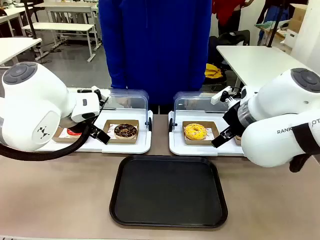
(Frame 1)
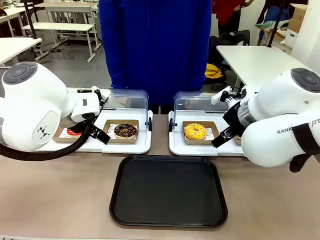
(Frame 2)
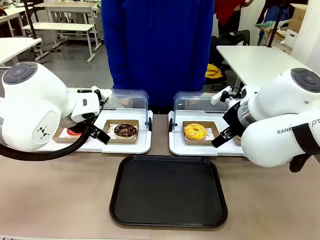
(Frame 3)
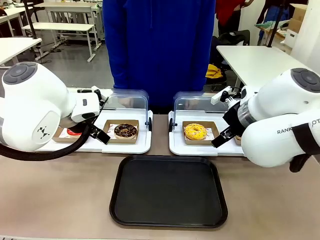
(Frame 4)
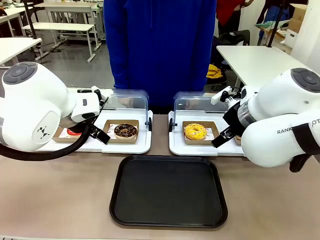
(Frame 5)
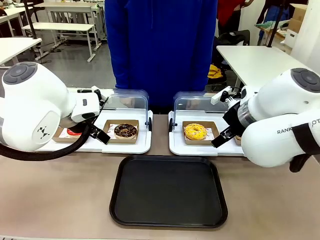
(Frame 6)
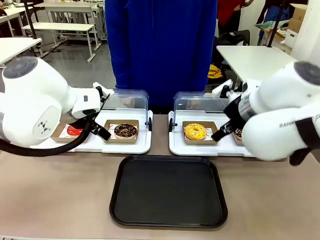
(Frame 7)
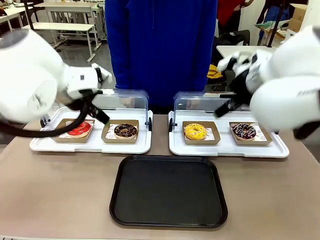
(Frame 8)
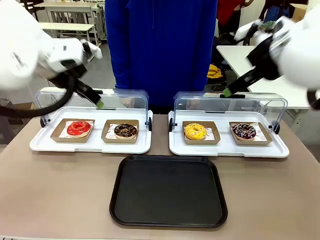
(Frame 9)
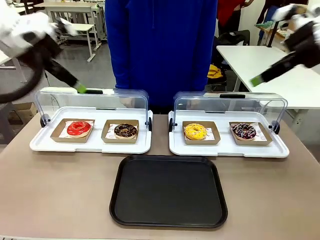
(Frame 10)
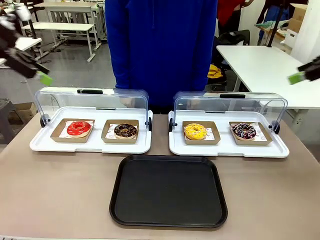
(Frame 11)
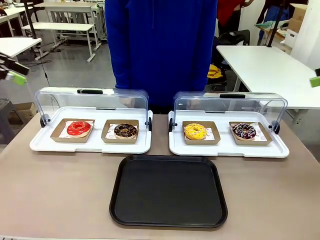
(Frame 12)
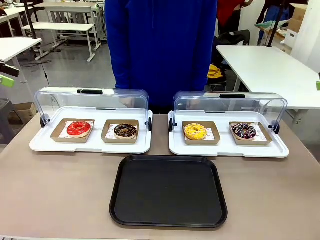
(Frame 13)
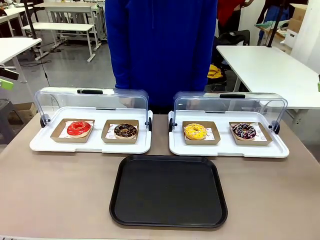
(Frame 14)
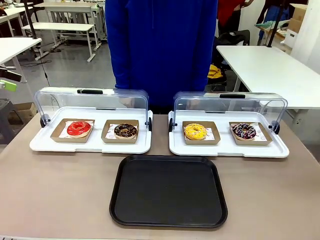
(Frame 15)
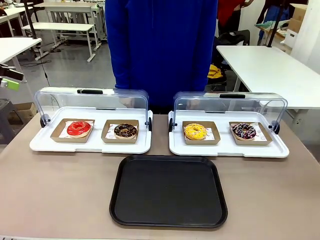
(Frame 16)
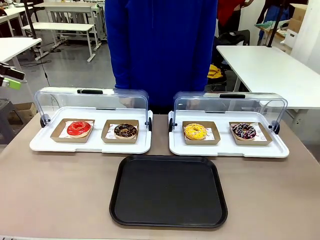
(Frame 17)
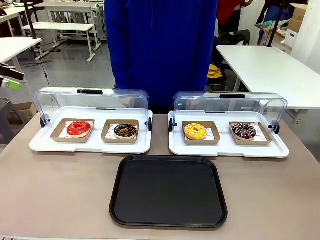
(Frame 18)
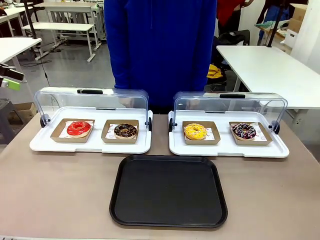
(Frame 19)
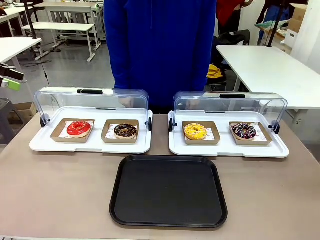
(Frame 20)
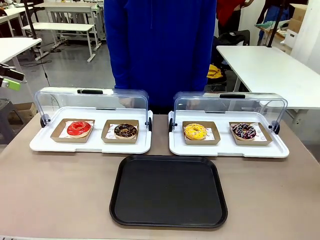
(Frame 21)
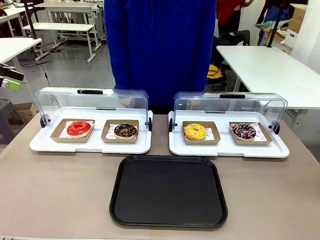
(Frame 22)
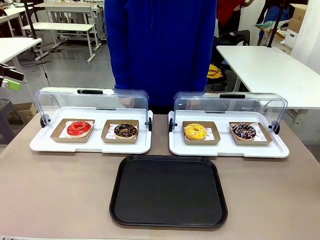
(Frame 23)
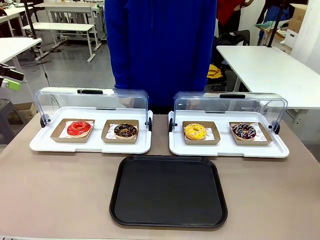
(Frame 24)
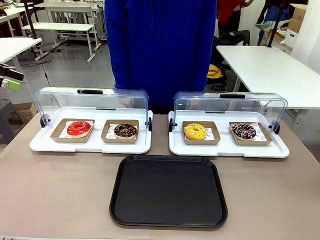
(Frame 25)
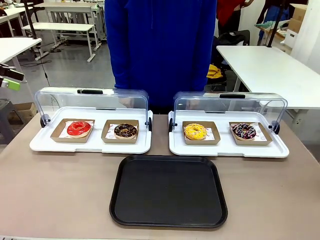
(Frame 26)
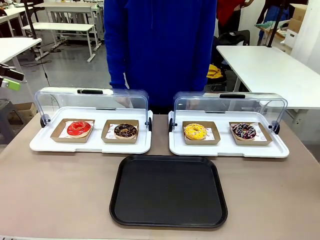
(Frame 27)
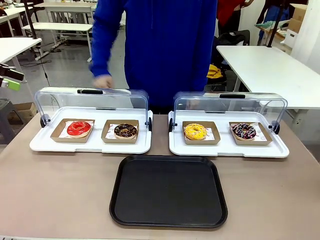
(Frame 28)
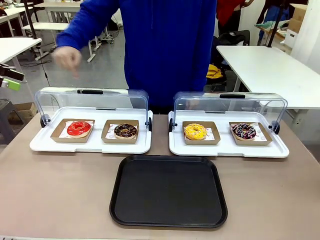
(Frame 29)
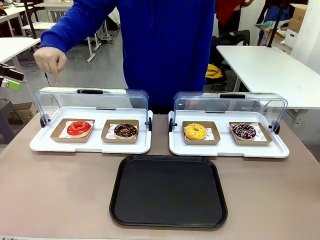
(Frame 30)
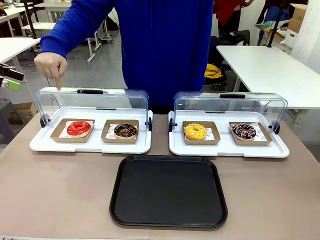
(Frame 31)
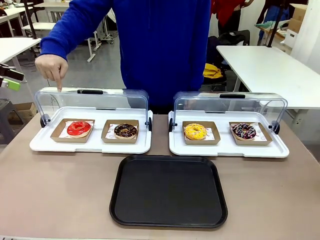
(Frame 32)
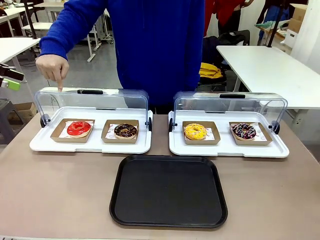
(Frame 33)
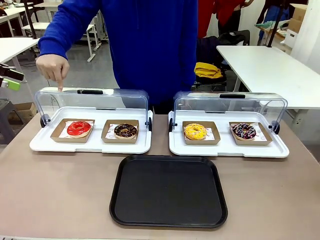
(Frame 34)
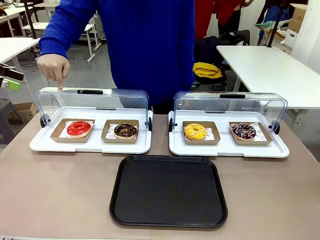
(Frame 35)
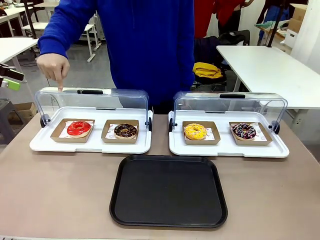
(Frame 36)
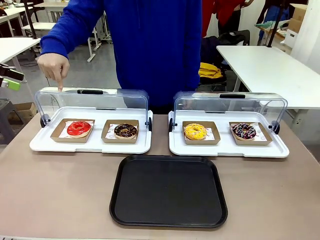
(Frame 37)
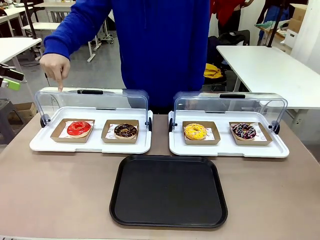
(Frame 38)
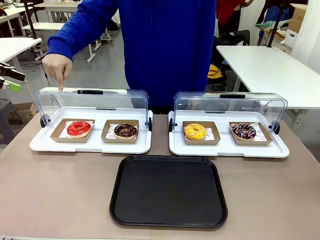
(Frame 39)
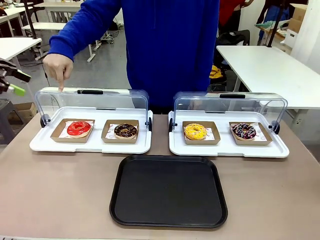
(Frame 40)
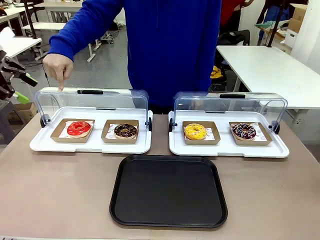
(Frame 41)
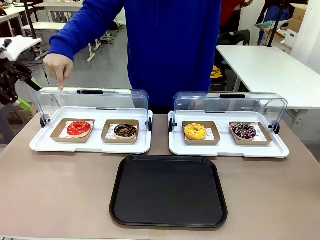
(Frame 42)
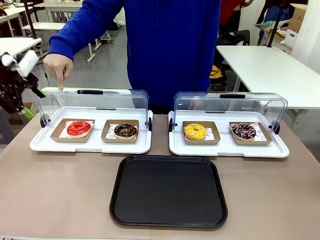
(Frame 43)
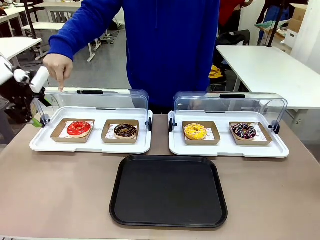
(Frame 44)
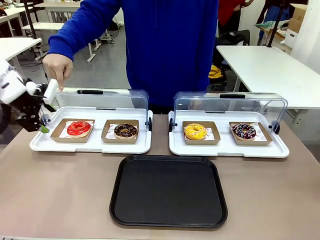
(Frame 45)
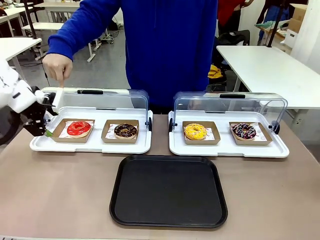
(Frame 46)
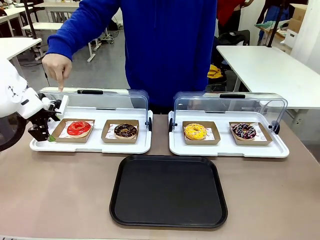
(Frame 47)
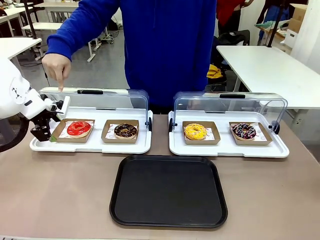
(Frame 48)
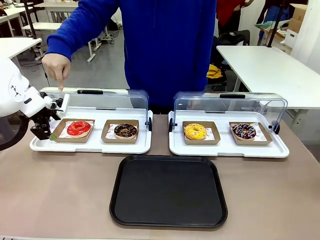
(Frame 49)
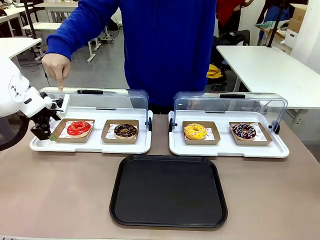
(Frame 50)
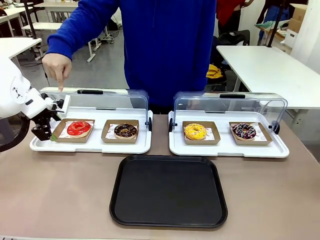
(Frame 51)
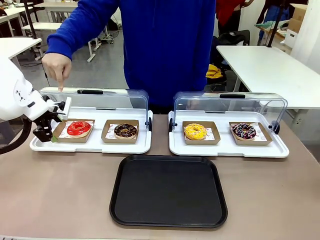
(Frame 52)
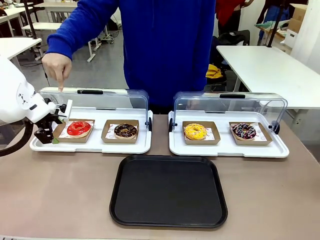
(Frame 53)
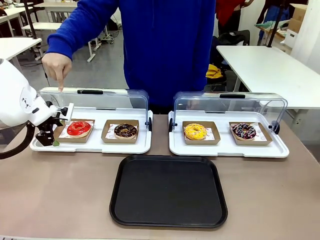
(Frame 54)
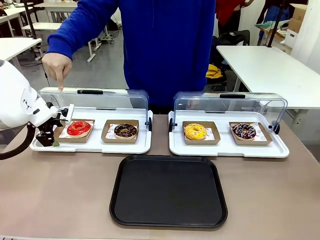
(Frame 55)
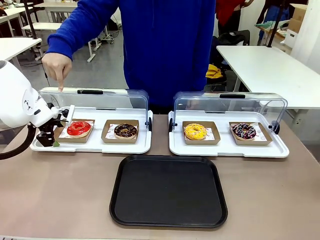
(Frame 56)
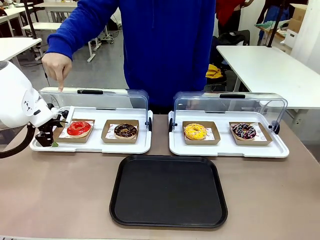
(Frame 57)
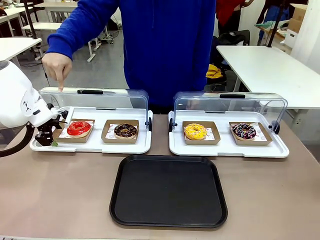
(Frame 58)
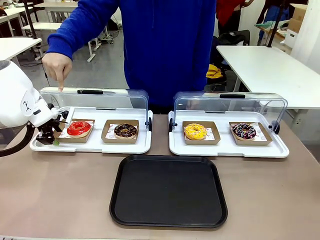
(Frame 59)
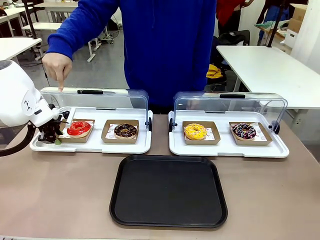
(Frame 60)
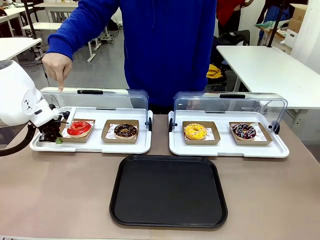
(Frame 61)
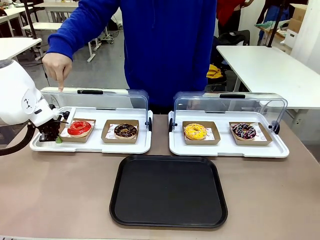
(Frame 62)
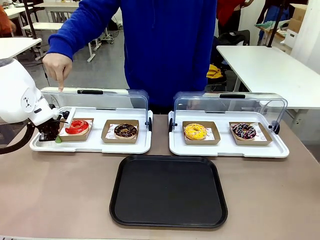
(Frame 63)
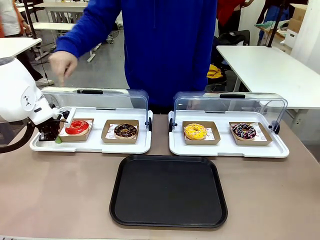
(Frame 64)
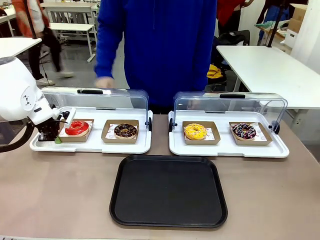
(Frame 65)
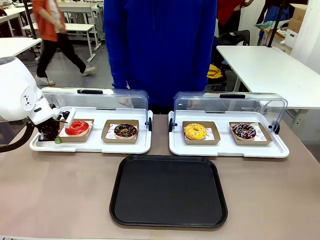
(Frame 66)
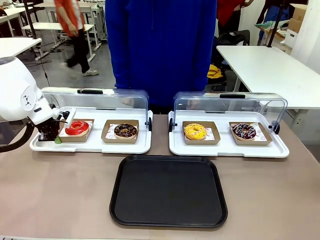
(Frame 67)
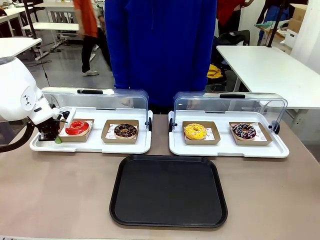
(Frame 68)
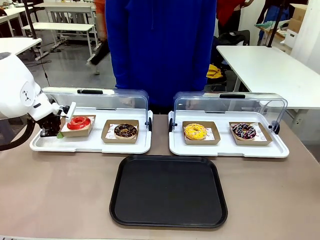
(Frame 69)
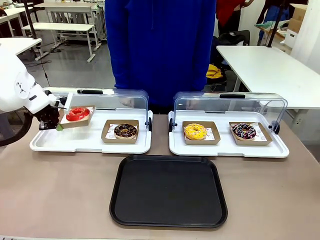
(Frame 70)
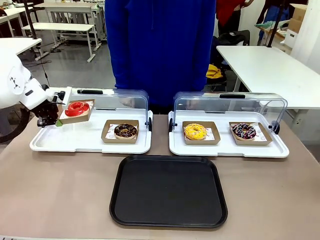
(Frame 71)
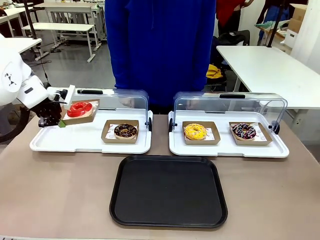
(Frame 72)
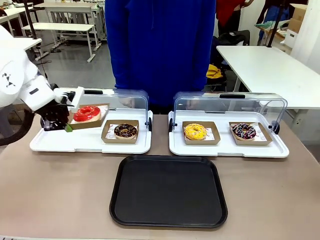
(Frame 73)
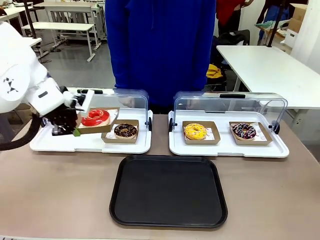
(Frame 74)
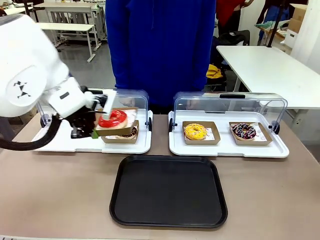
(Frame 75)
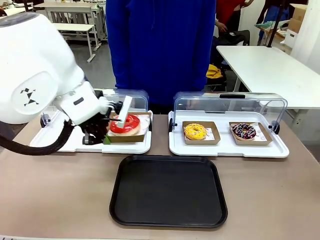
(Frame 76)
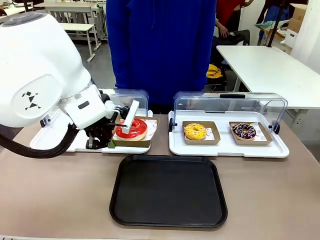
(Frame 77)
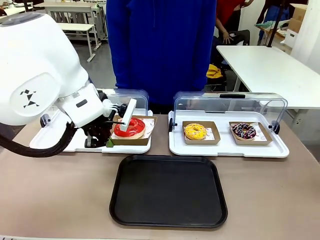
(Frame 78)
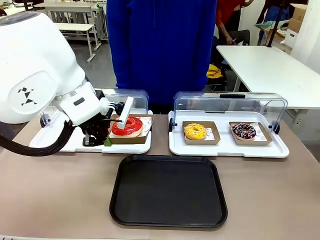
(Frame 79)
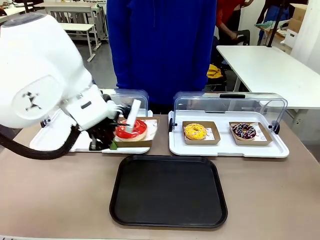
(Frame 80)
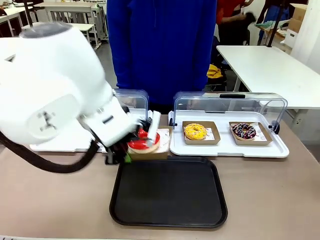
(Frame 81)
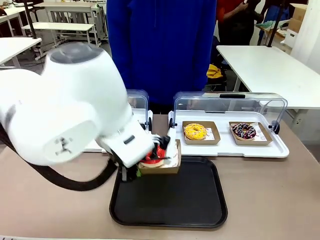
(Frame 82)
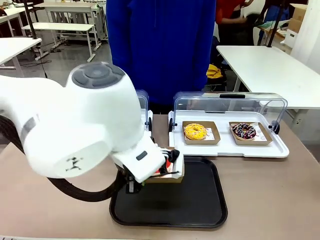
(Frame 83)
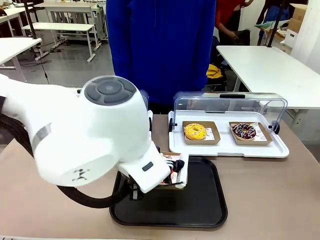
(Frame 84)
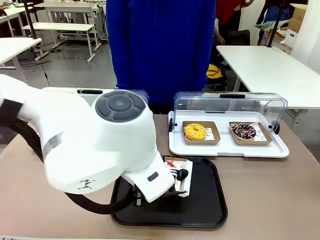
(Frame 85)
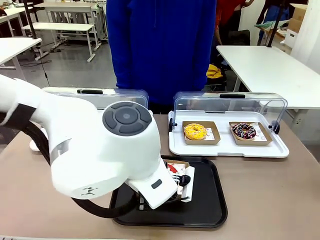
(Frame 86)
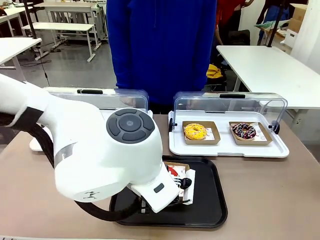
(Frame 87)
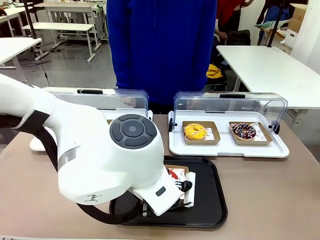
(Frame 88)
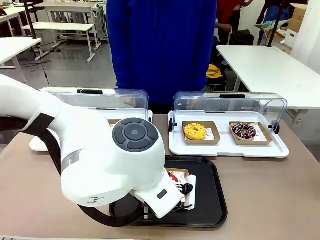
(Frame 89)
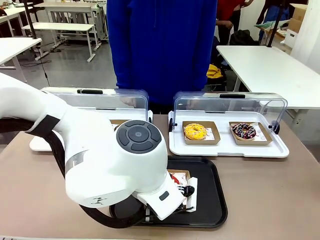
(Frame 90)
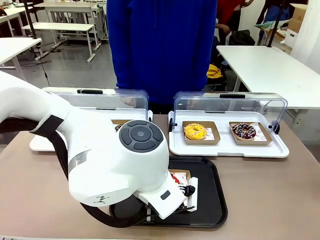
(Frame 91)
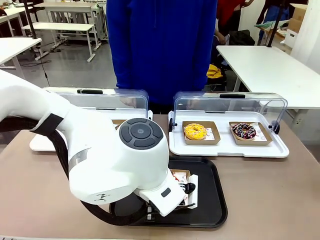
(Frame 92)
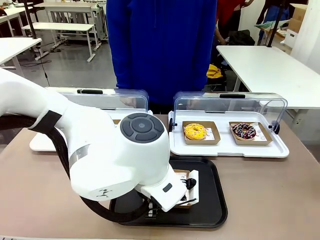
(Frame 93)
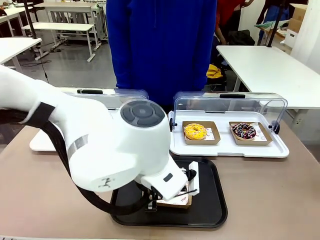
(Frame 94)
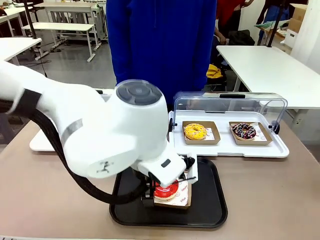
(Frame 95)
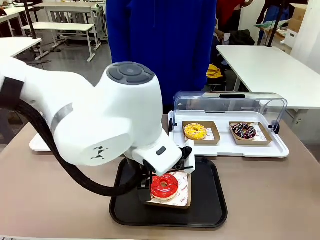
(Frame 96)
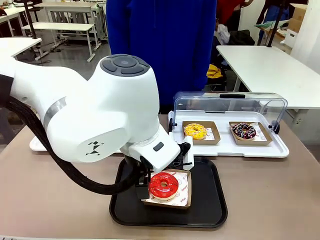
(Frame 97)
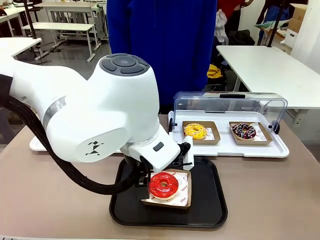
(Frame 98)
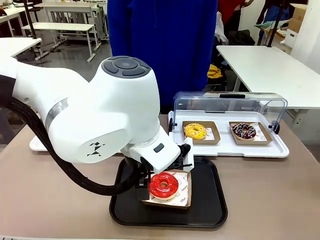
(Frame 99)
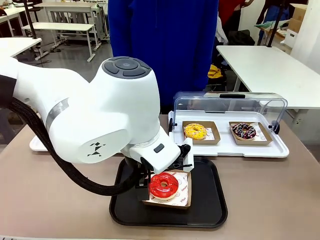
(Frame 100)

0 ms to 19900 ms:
Task: Move the first donut from the left to the tray.
Robot: Pick up the Paper togo box containing the Donut indicated by the person and place it on the Handle tray.
Person: Points to the first donut from the left from the robot’s perspective.
